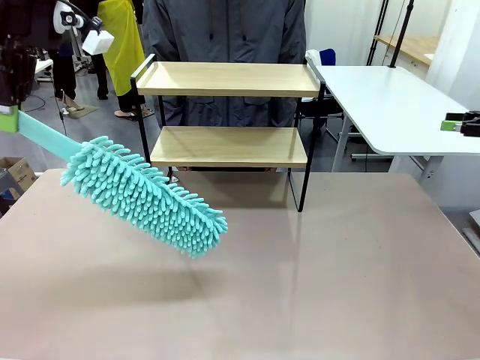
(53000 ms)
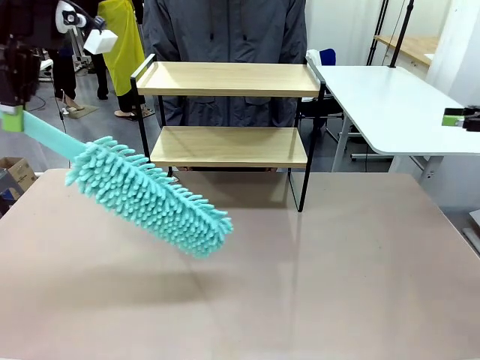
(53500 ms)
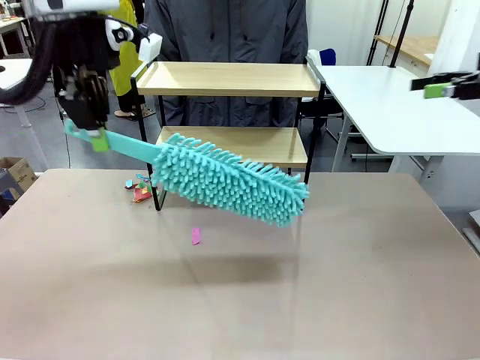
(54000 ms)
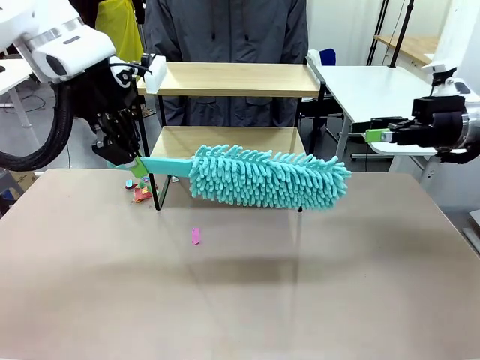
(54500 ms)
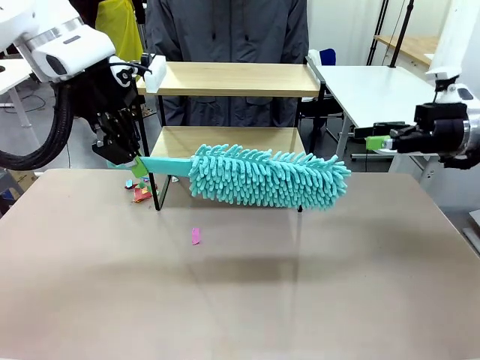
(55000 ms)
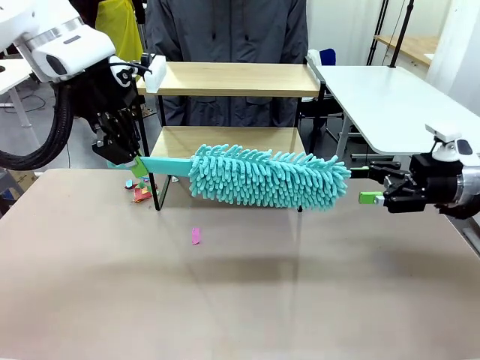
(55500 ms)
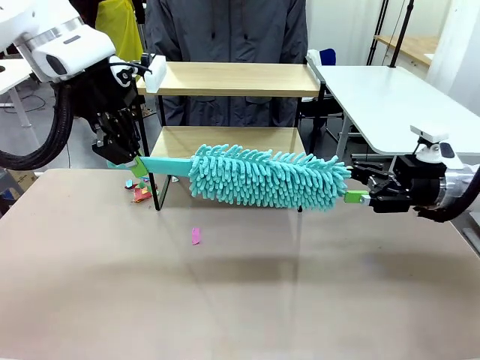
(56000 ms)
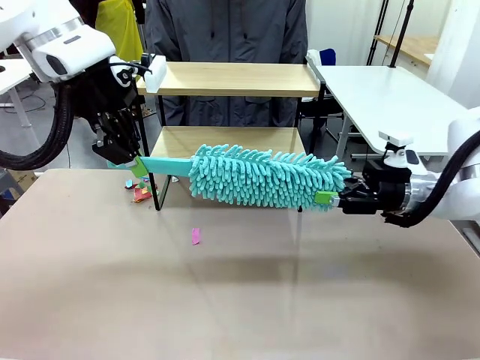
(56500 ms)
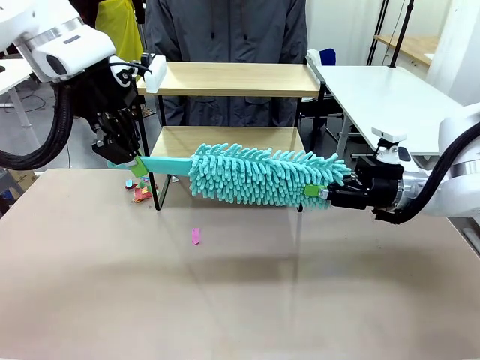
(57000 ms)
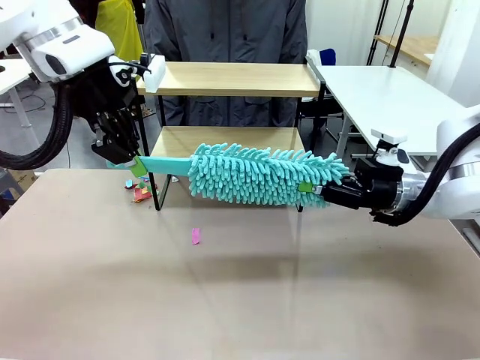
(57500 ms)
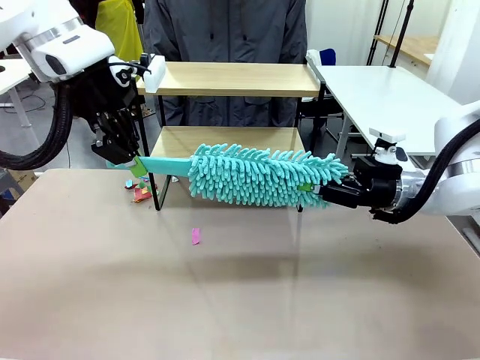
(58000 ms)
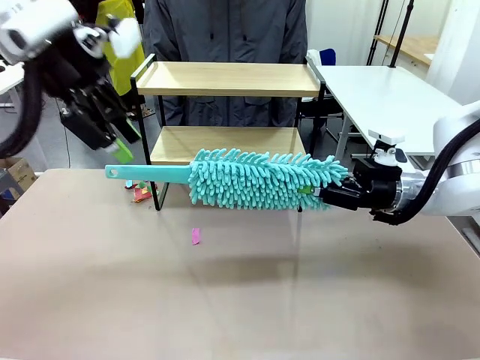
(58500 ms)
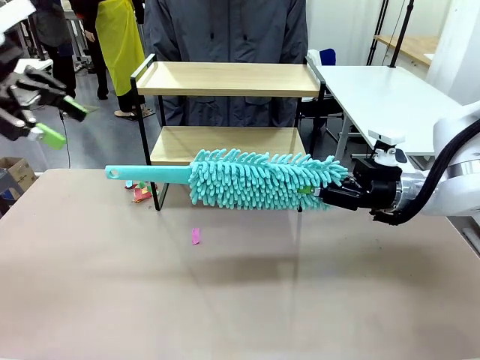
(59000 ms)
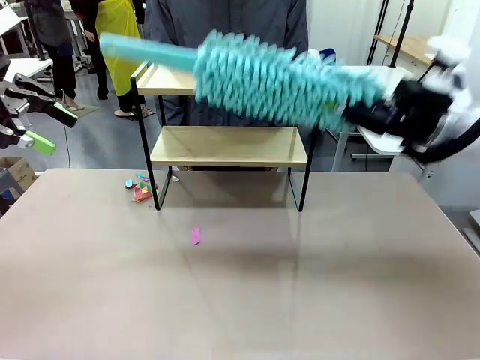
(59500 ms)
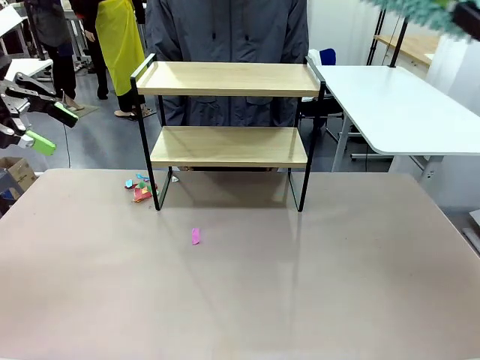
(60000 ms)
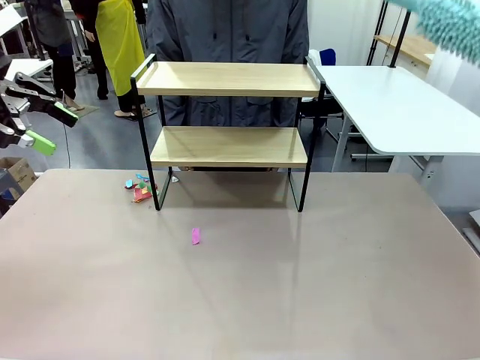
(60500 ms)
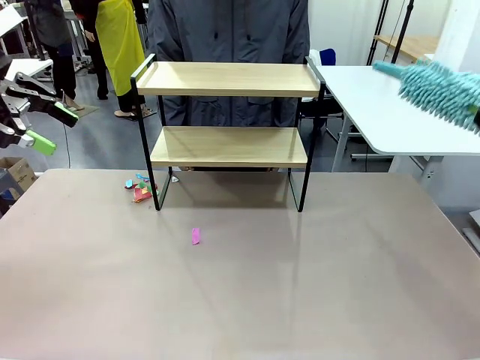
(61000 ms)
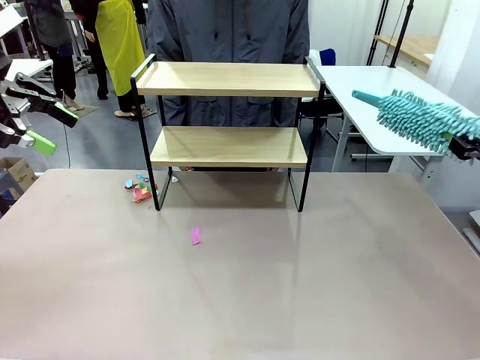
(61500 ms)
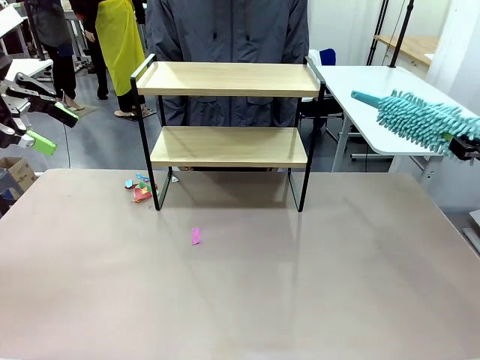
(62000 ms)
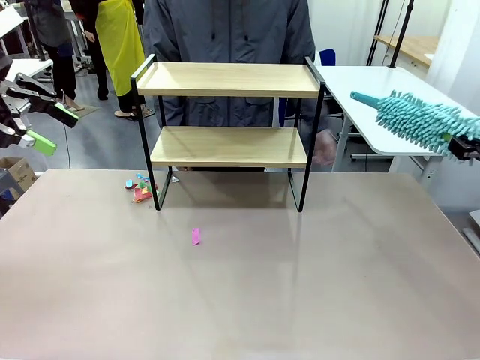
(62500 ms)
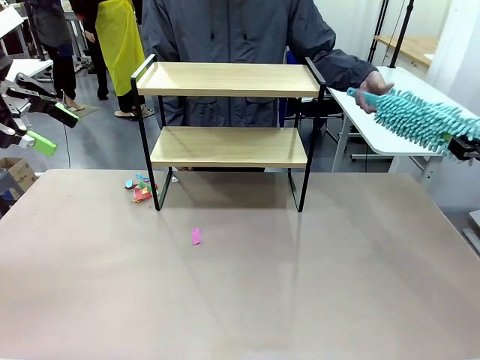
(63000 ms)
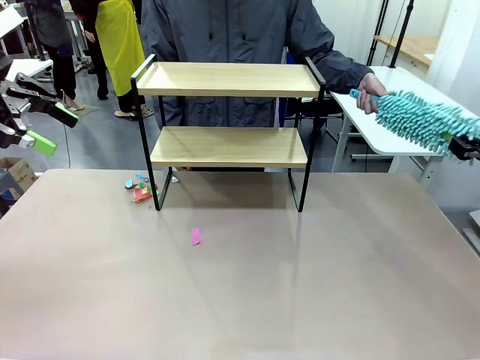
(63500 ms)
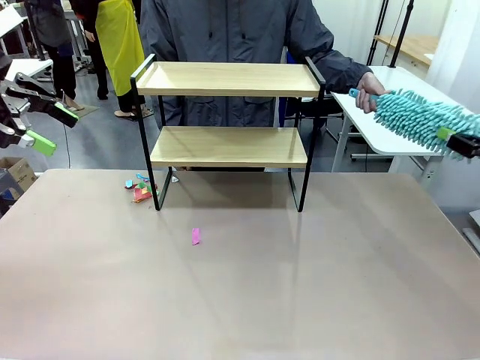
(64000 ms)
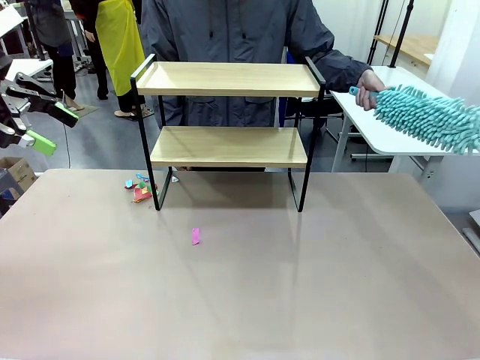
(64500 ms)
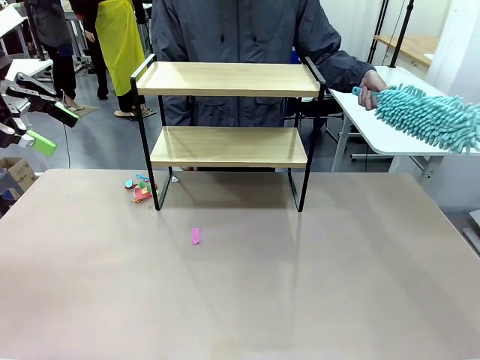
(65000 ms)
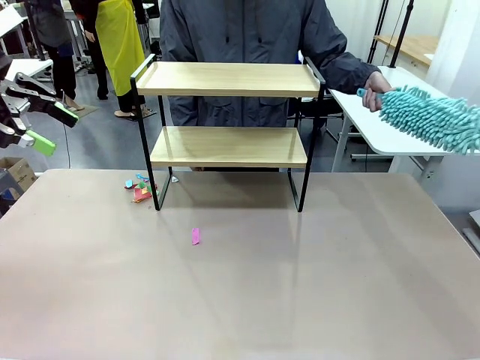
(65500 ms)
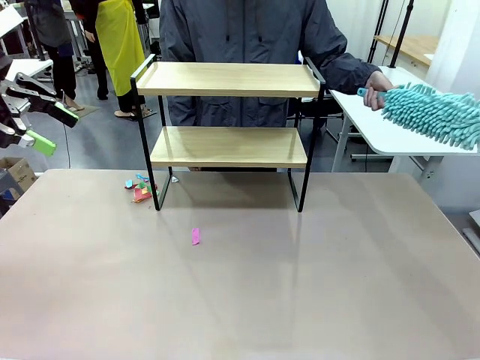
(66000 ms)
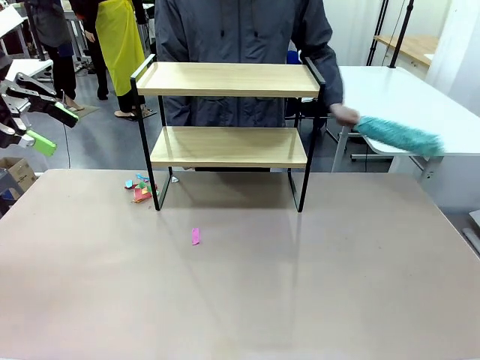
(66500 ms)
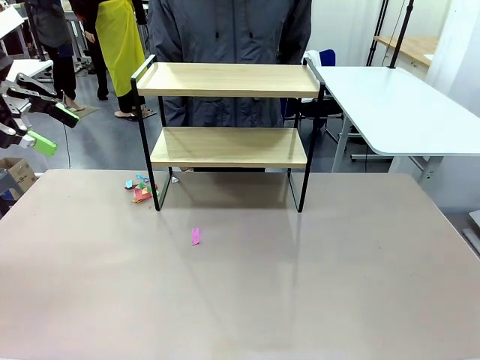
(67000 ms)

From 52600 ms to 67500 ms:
Task: Clean the shelf.
Robot: Hand the Duster back to the human.
Person: Receive the Duster from the robot.

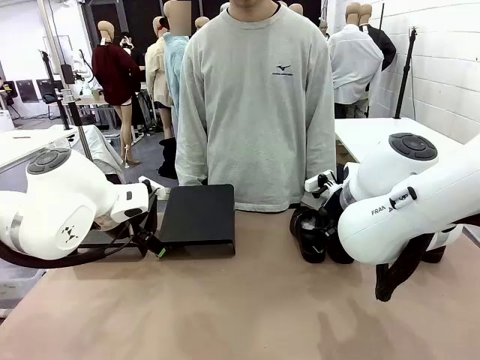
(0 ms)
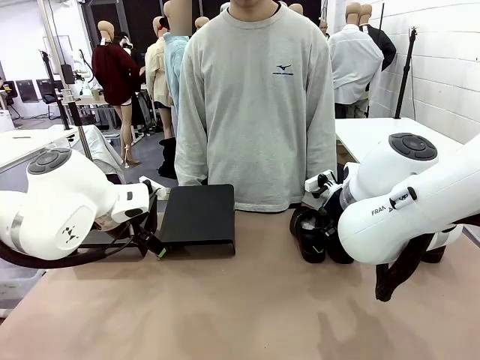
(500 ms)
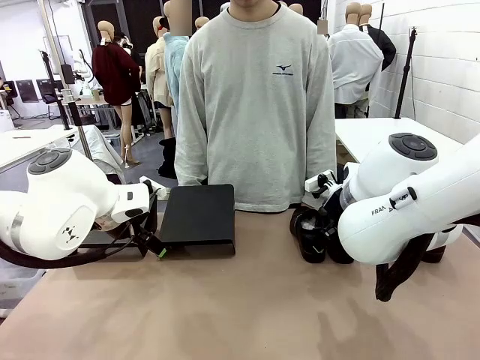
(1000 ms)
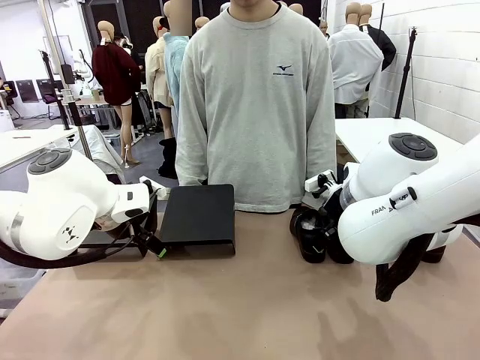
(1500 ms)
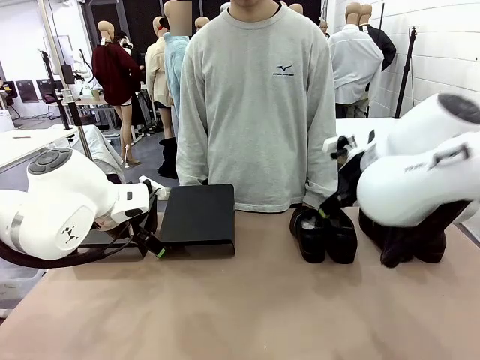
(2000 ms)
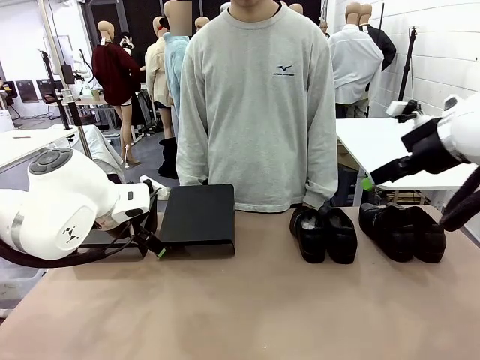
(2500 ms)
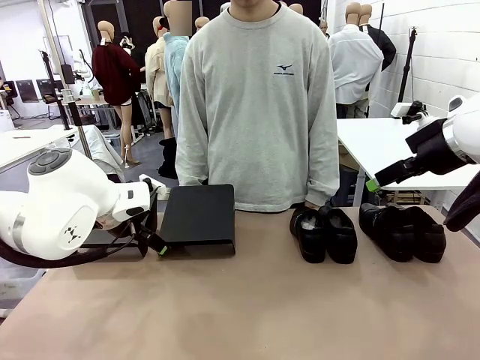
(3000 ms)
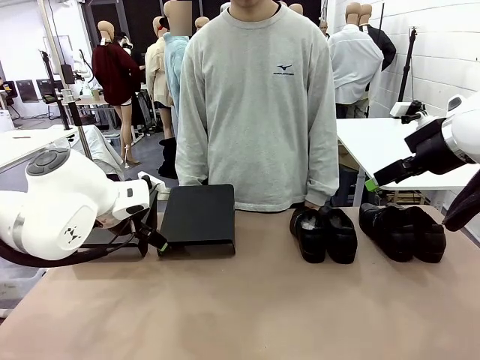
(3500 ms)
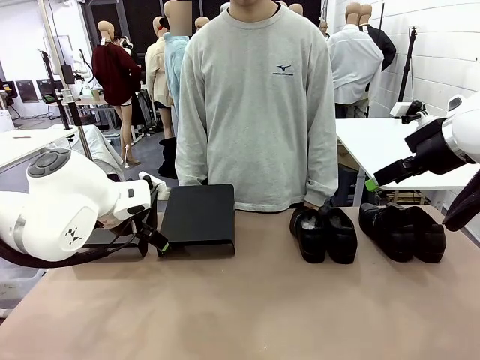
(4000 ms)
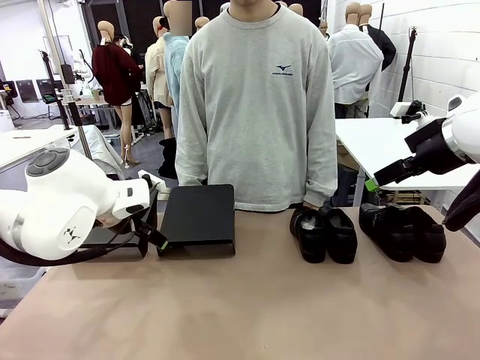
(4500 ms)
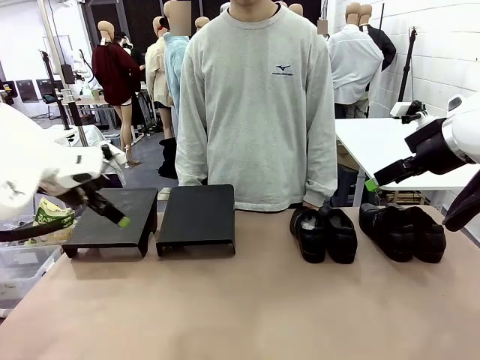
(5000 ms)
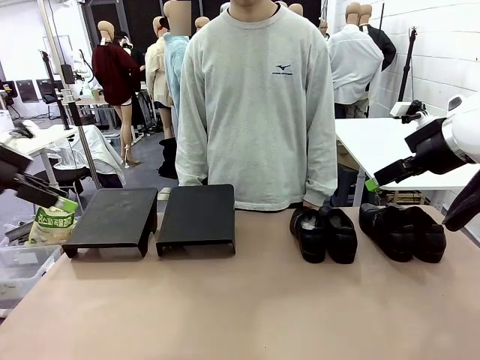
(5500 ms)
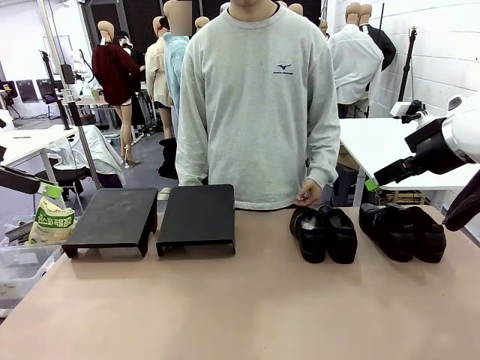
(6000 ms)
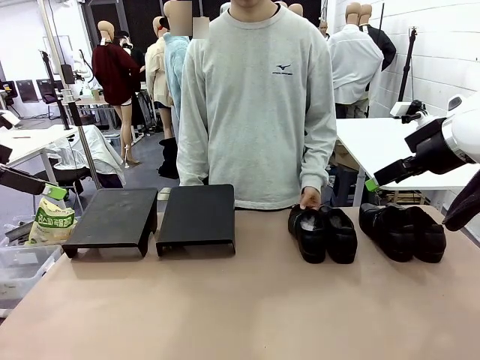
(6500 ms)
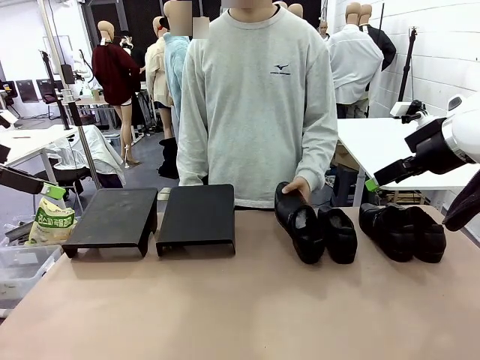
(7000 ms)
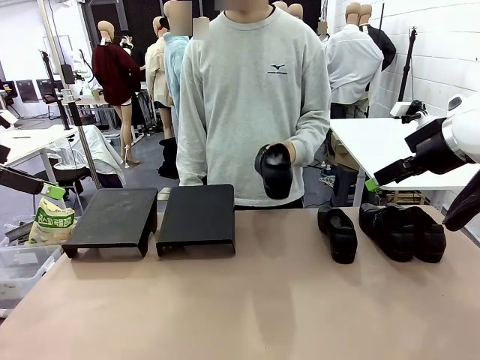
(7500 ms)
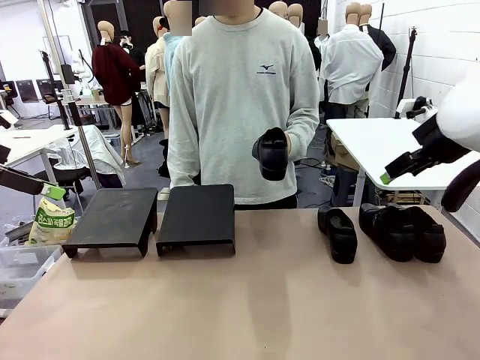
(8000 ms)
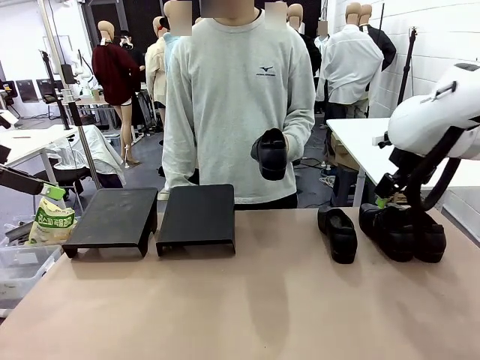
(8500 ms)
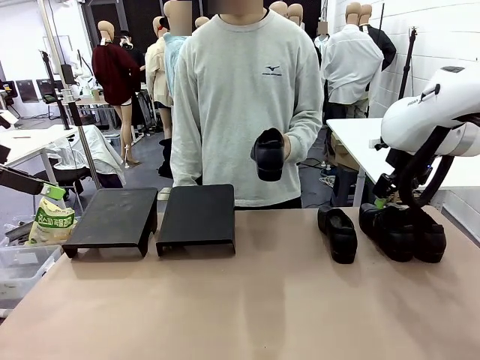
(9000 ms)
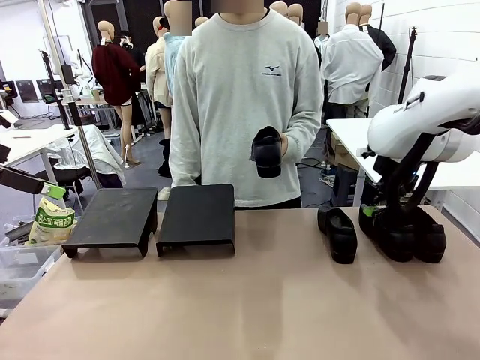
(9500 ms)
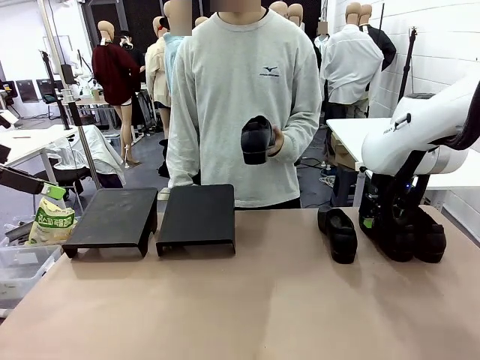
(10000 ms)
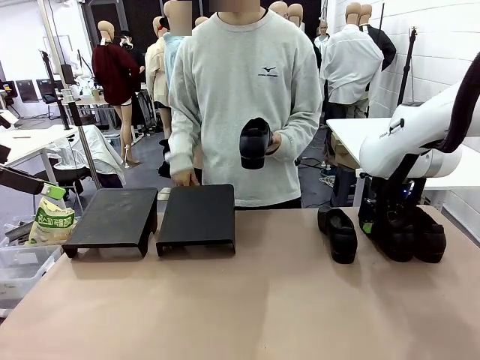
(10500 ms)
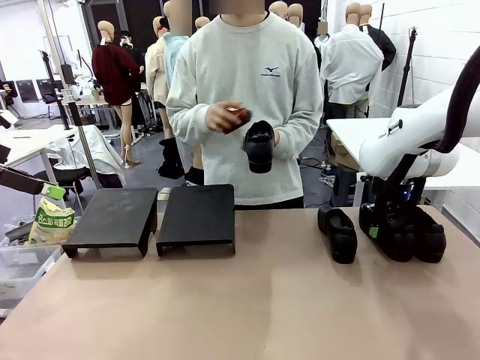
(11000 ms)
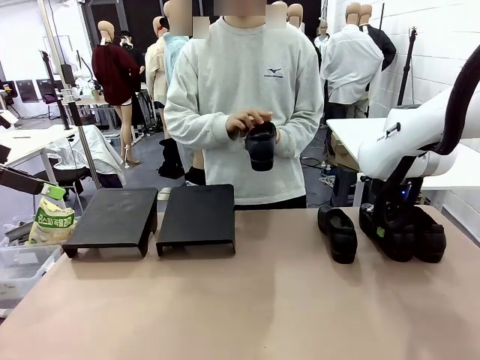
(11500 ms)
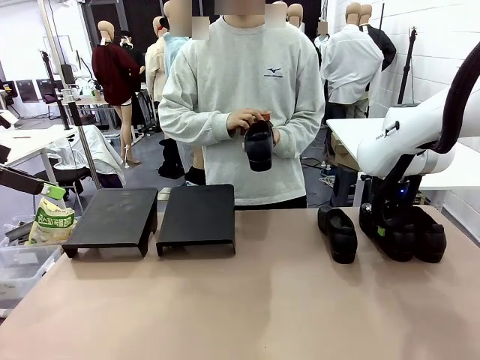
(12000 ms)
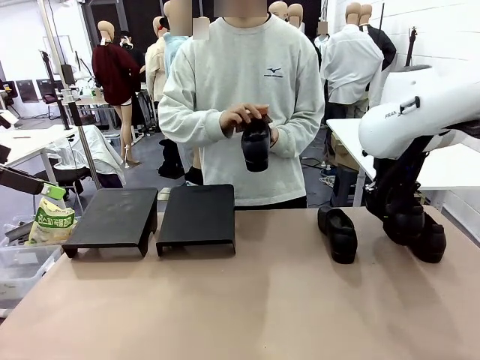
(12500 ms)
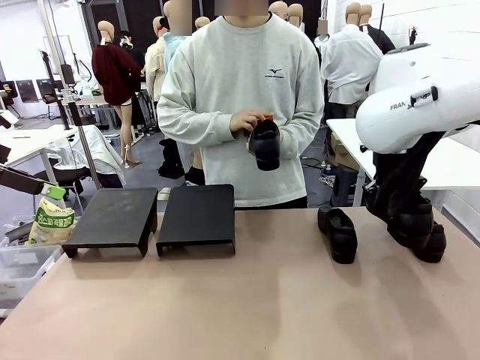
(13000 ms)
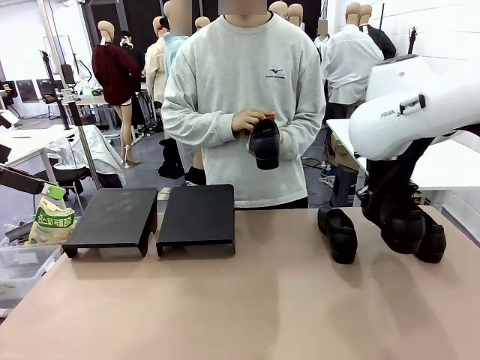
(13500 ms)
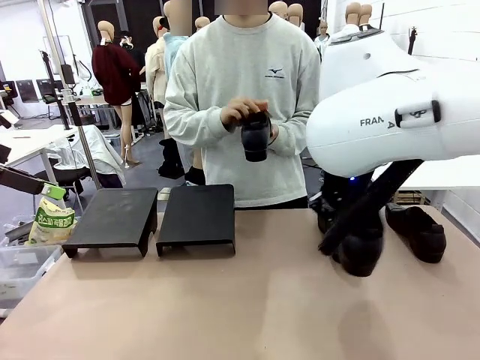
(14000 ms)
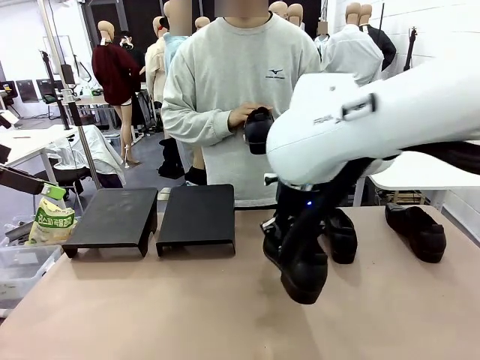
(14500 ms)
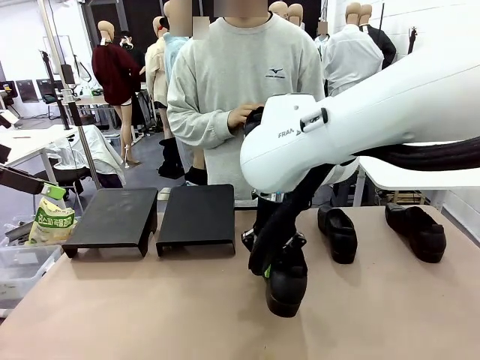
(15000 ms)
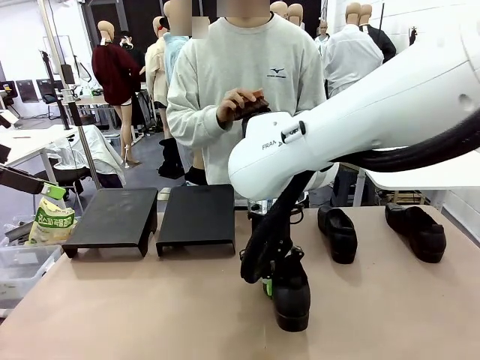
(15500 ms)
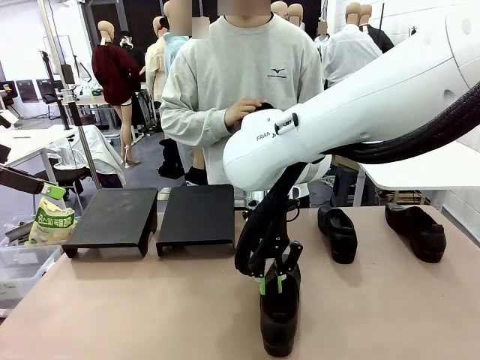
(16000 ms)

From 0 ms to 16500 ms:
Task: Organize the shoes by placing them on the stand.
Robot: Pick up one Shoe and place it in the middle of the table.
Person: Pick one Shoe on Robot's table.
